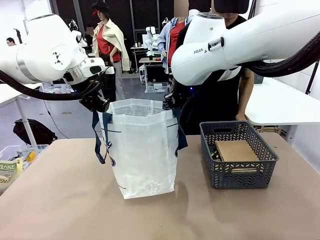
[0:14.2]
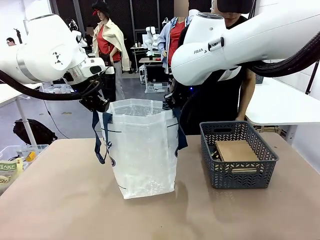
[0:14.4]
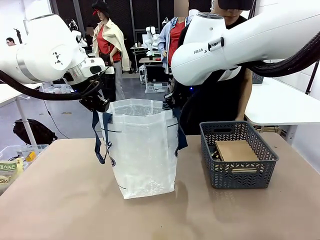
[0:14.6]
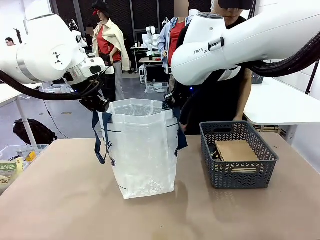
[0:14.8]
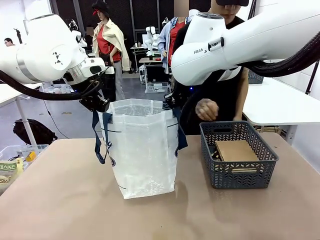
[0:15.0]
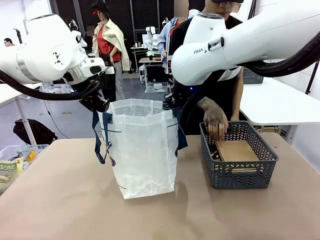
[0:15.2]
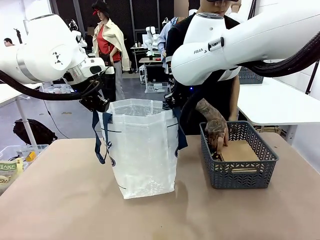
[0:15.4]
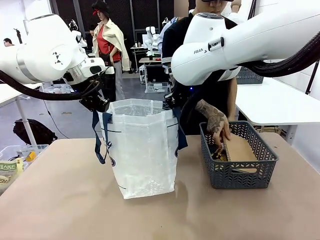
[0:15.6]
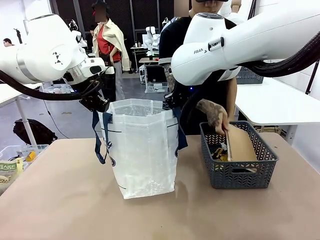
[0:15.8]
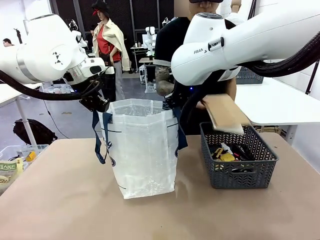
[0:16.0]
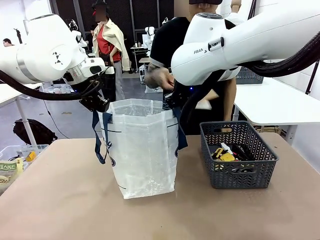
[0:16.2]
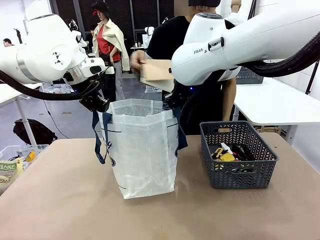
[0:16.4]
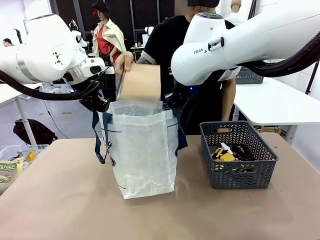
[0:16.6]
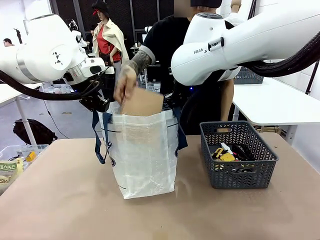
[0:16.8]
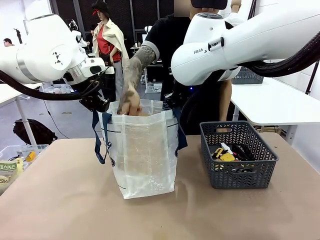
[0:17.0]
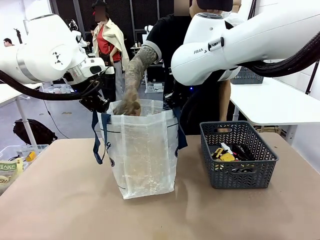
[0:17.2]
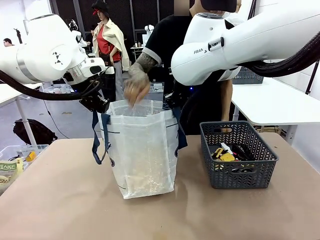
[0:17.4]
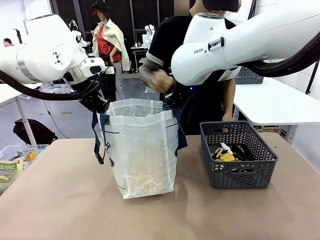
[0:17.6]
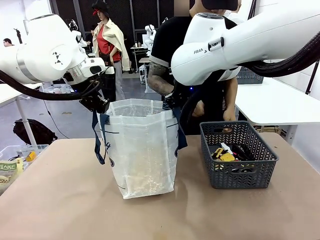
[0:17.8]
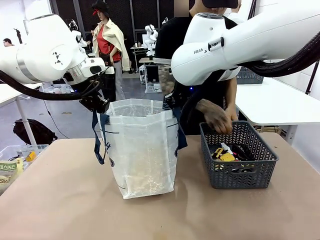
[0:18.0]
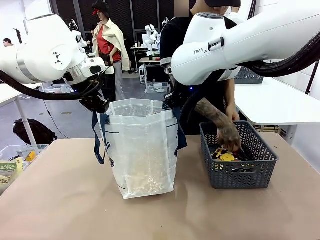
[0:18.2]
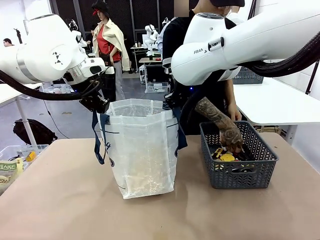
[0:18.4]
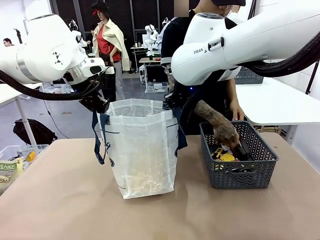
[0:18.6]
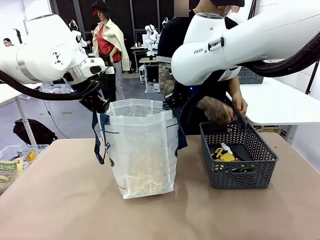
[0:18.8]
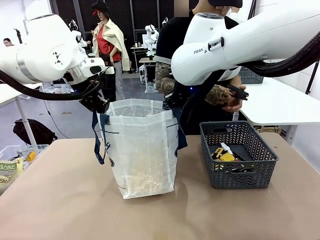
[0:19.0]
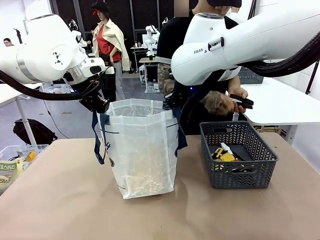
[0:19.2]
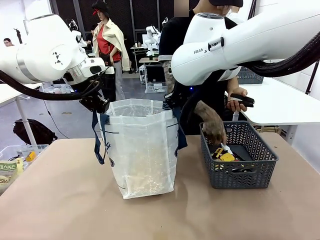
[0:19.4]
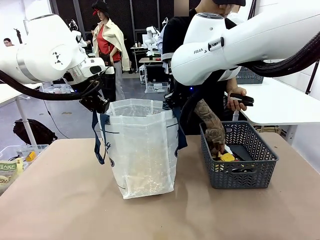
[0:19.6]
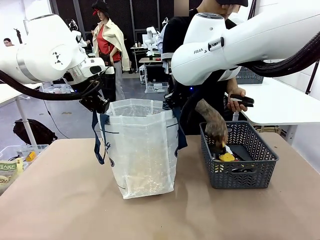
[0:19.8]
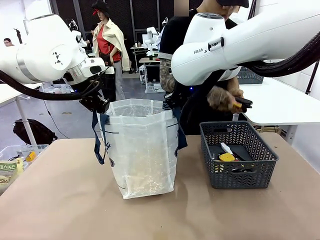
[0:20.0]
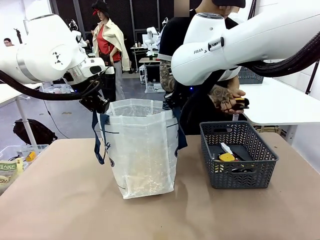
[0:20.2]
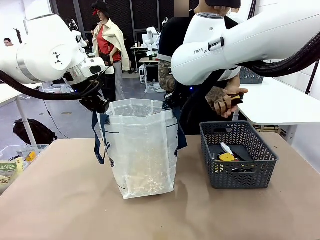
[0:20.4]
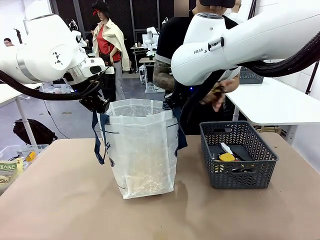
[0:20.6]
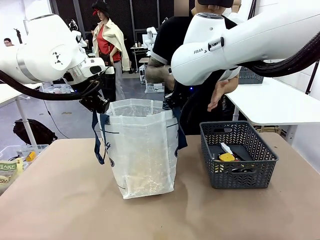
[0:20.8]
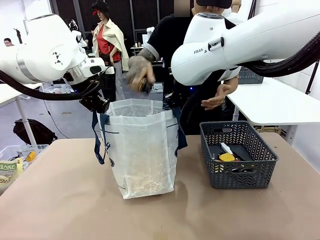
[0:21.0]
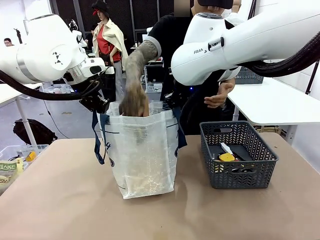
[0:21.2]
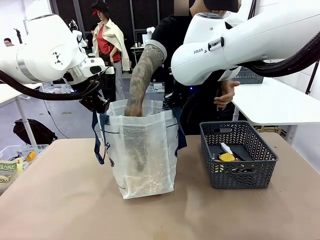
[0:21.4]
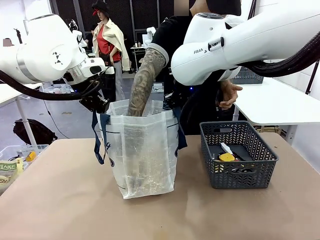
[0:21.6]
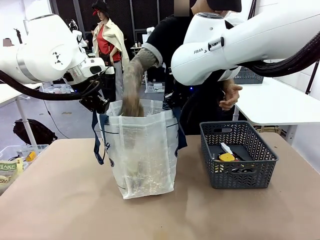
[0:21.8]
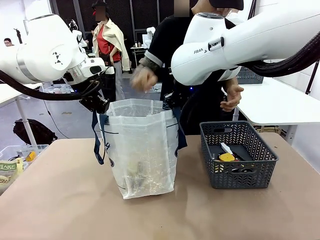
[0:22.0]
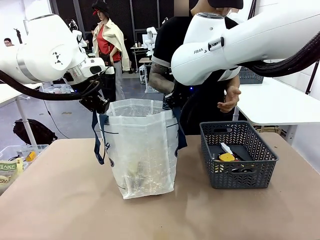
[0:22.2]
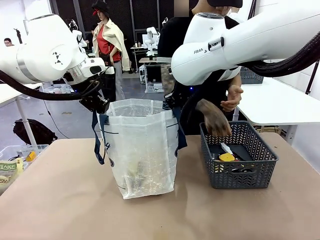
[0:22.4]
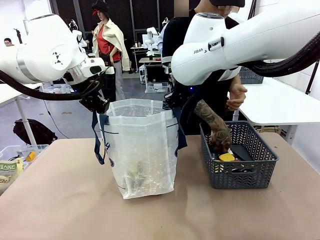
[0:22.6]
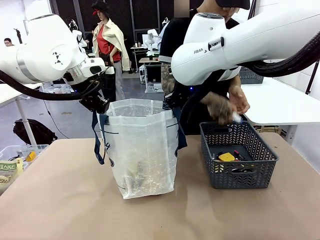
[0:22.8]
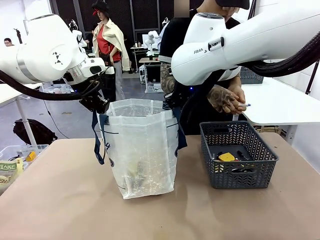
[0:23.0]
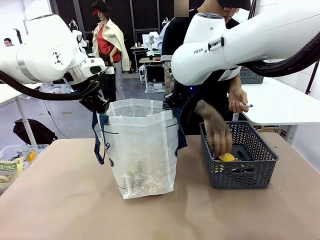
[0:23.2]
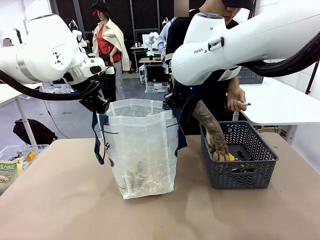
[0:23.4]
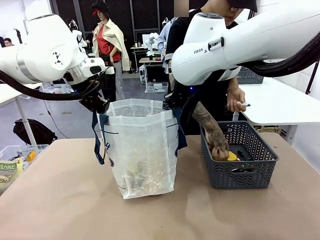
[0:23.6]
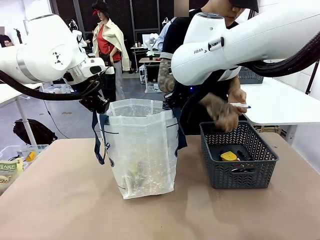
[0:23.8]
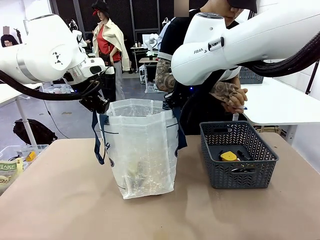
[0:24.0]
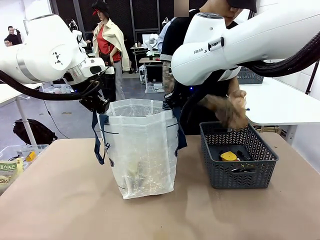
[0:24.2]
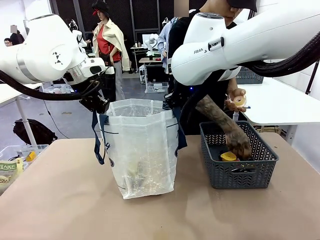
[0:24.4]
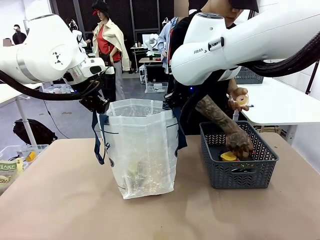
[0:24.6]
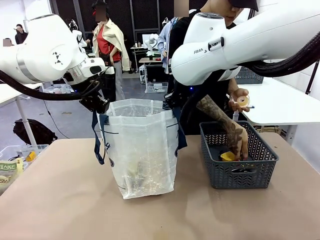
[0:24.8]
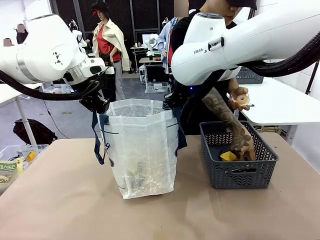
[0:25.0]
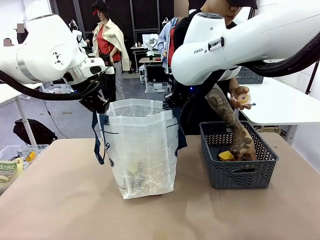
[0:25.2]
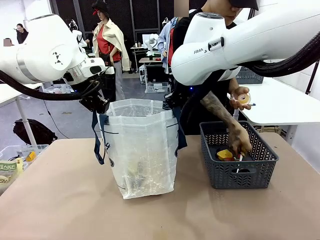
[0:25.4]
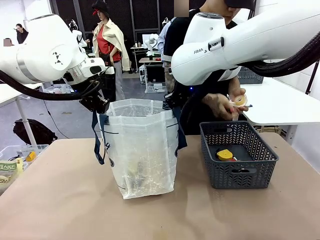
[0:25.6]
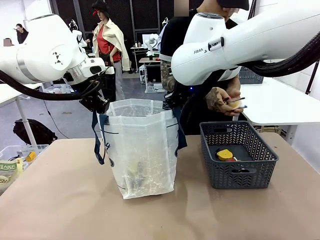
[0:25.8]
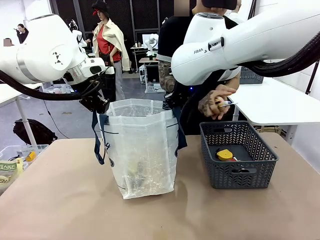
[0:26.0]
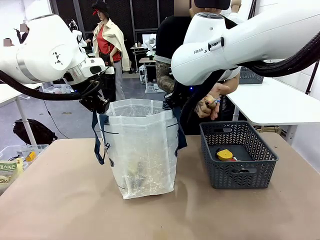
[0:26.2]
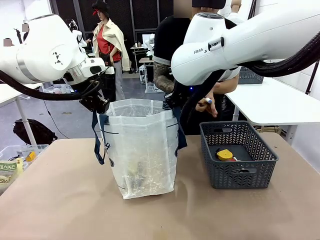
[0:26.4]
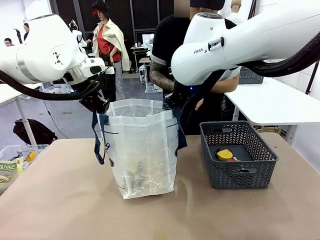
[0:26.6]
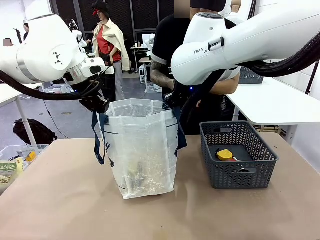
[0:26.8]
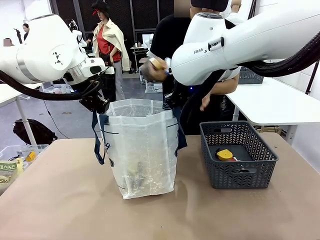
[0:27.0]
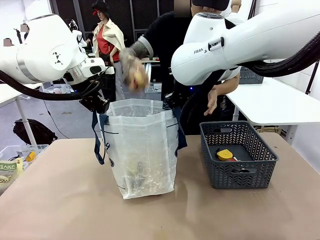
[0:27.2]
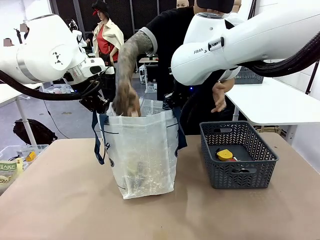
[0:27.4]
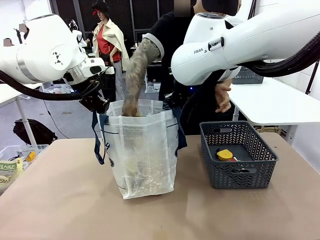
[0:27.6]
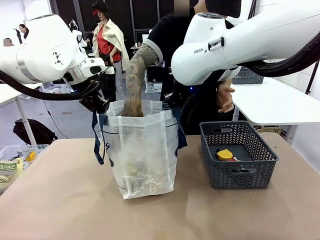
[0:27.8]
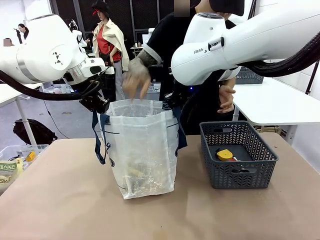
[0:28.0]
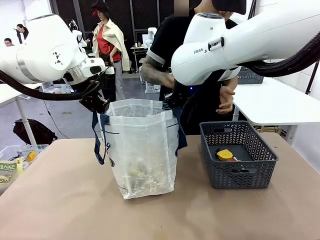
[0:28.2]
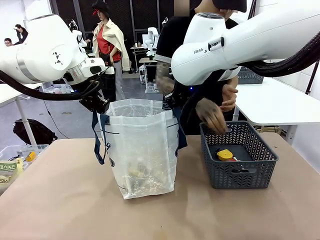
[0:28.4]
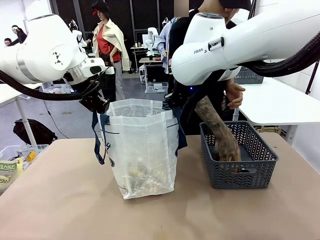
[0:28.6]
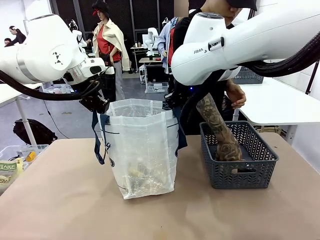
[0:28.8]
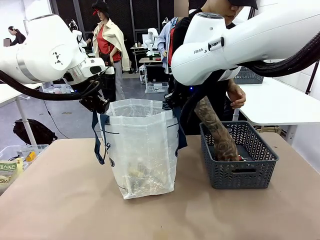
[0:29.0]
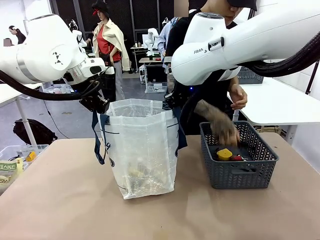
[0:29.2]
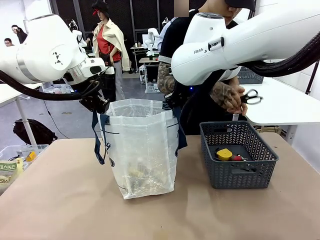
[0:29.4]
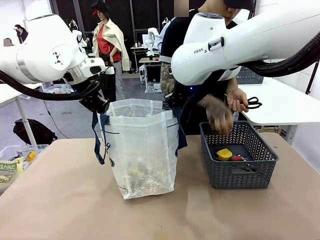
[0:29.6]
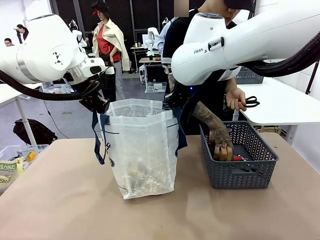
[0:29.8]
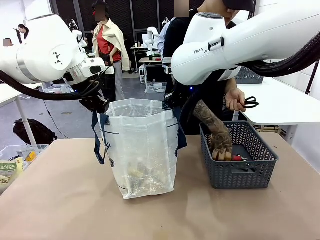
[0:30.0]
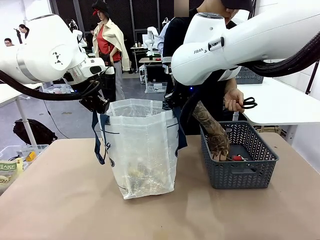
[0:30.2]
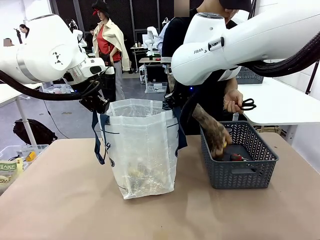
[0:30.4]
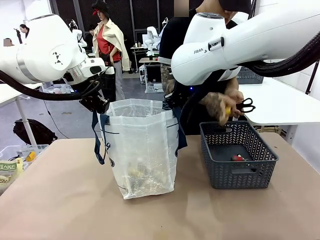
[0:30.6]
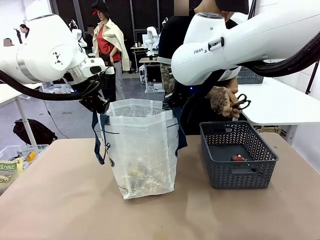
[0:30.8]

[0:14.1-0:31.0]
Task: Transfer purchased items from the store into the shopping bag.
Robot: Move the Reusable shopping bag to the right side of the table.
Person: Pick up the basket with the items out and place it on the right side of the human table.

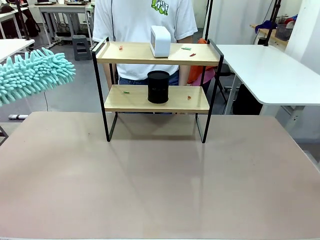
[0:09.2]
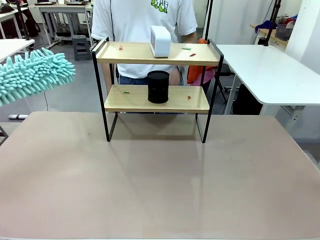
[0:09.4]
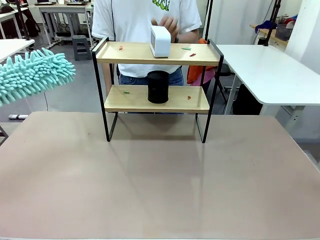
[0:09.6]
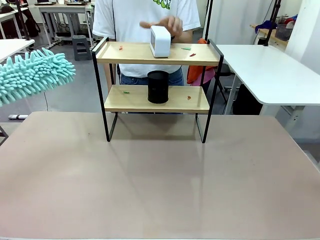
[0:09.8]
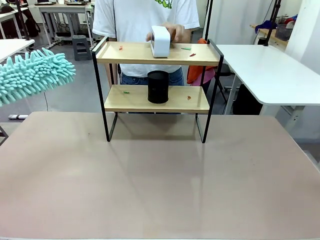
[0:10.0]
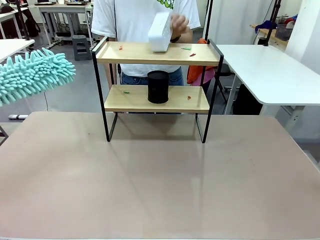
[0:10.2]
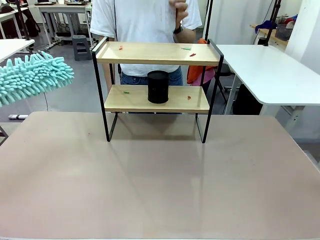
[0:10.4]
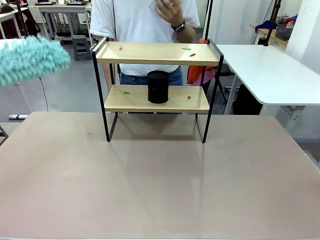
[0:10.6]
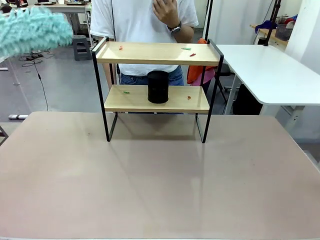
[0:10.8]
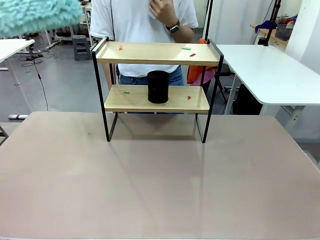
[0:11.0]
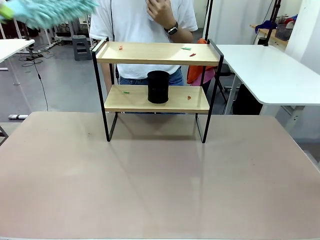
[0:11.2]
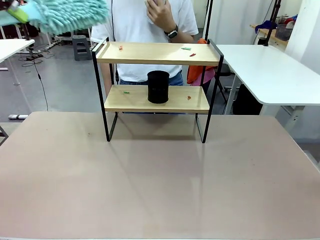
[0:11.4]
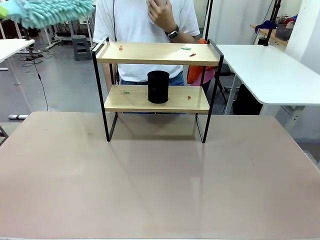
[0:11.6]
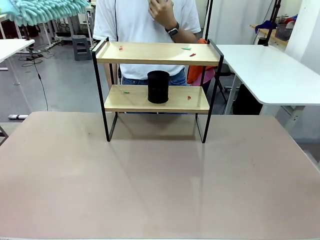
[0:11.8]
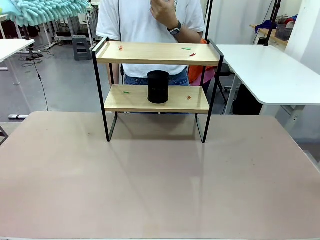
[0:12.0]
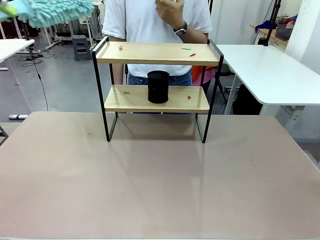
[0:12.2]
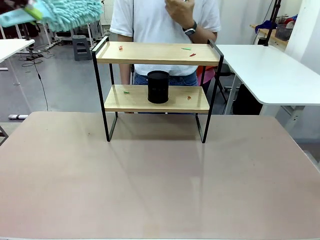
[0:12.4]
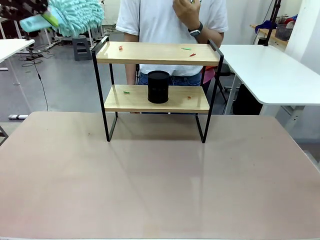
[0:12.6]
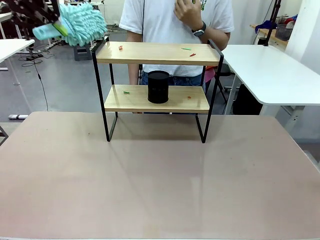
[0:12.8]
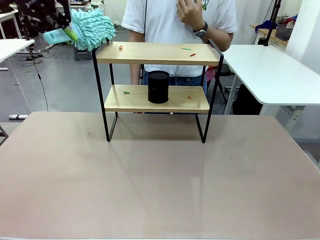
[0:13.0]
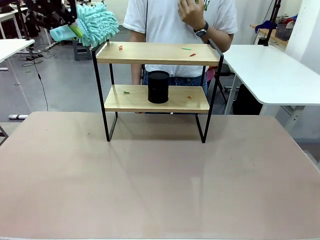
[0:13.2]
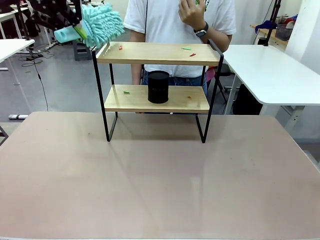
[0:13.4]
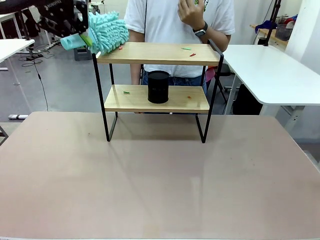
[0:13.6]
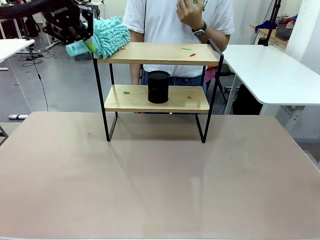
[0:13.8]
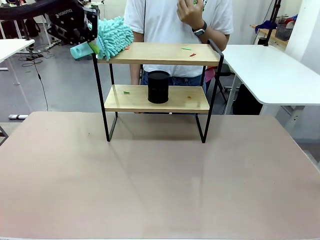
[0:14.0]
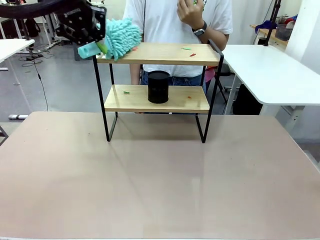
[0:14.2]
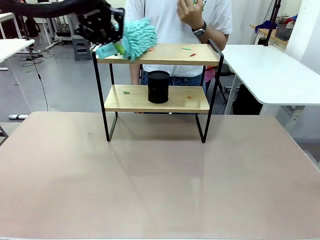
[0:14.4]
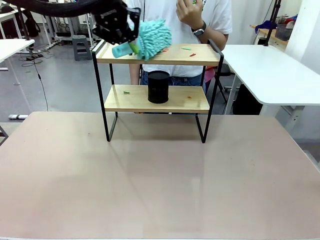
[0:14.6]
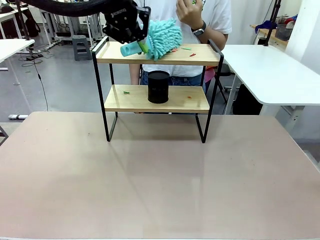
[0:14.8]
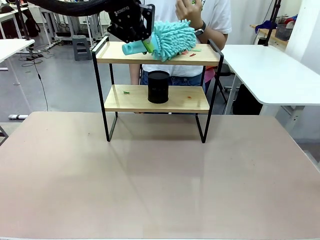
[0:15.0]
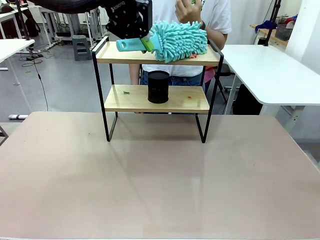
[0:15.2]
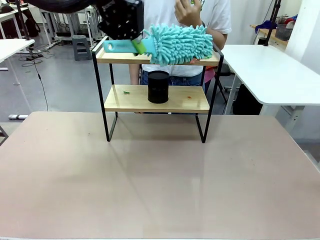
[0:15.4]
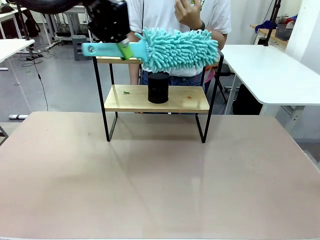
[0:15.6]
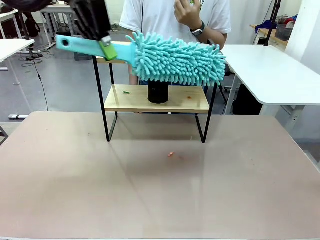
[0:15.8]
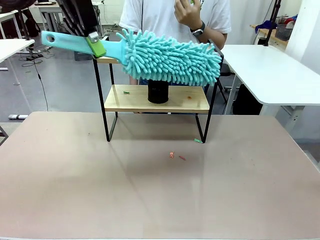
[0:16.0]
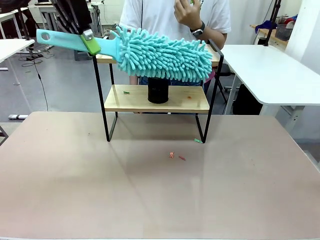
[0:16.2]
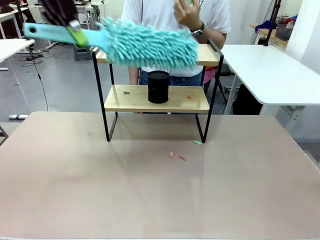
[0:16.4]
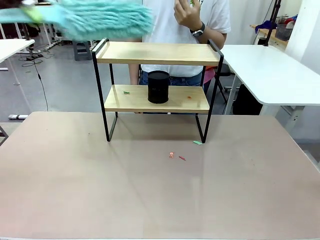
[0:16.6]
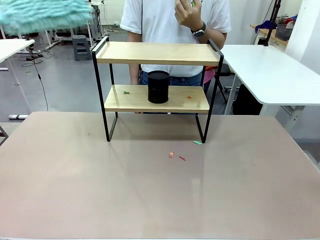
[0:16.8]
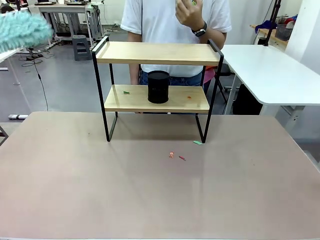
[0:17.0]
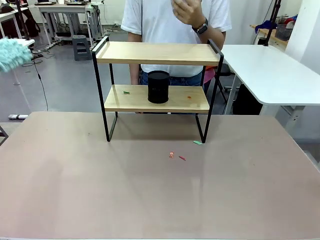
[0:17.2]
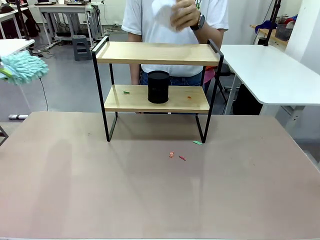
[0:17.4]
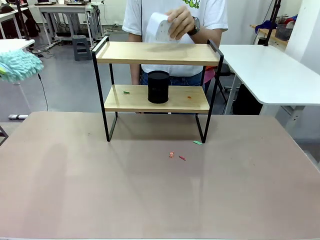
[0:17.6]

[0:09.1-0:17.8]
Task: Clean the shelf.
Robot: Clean the specific tier of the Shelf with the Duster once objects are removed.
Person: Lift the objects on a randomly selected tier of the Shelf. Once the robot finishes cleaning, lift the objects on the remaining tiers of the Shelf.
